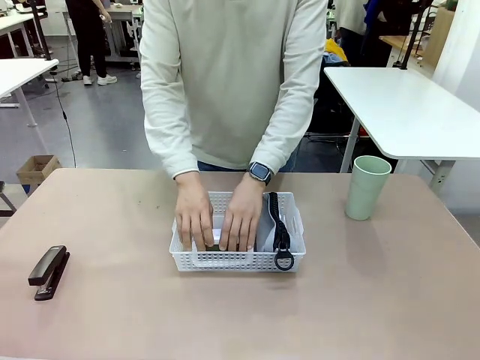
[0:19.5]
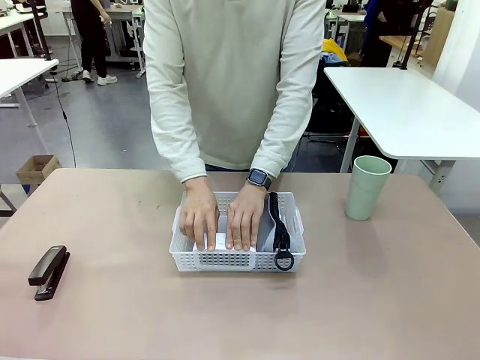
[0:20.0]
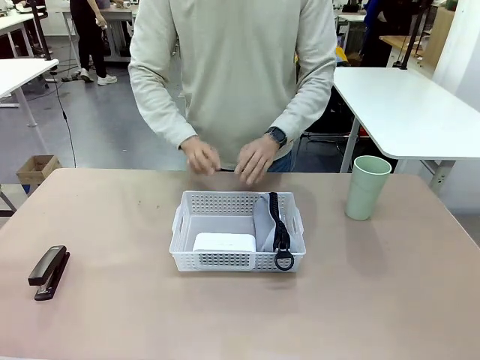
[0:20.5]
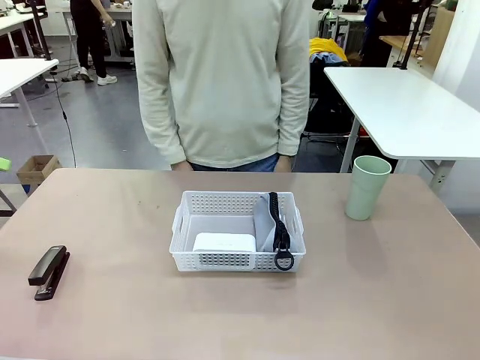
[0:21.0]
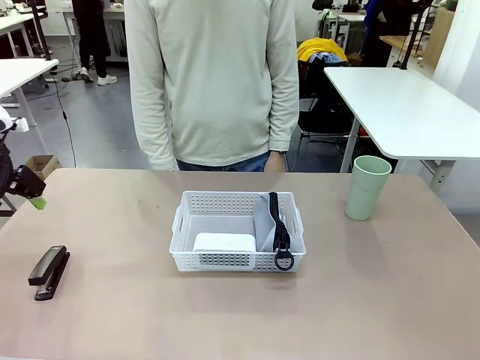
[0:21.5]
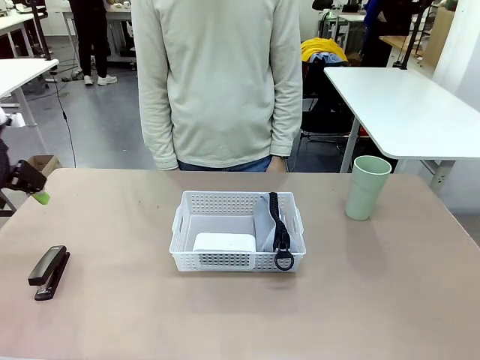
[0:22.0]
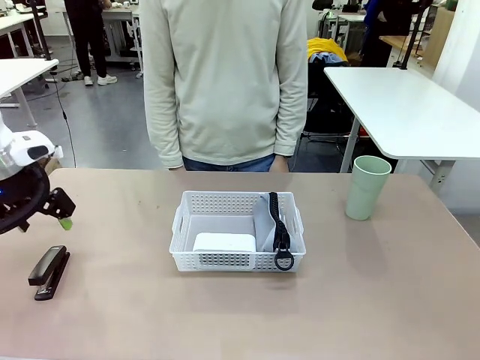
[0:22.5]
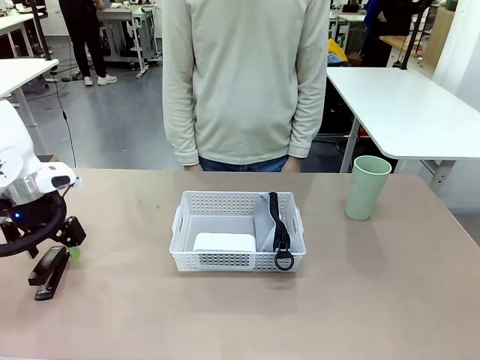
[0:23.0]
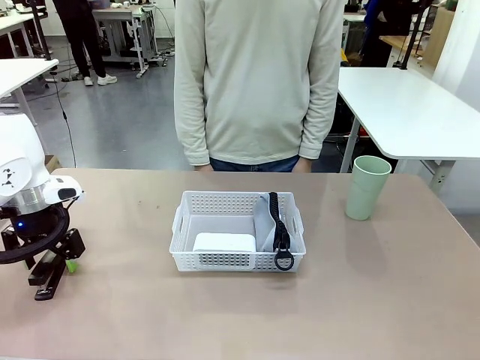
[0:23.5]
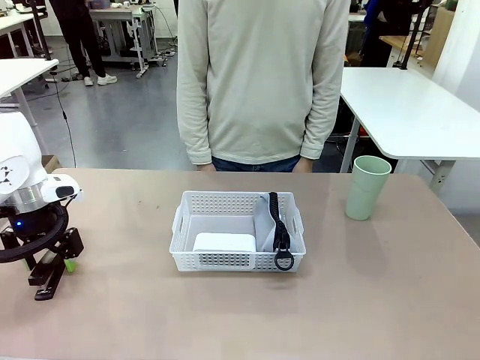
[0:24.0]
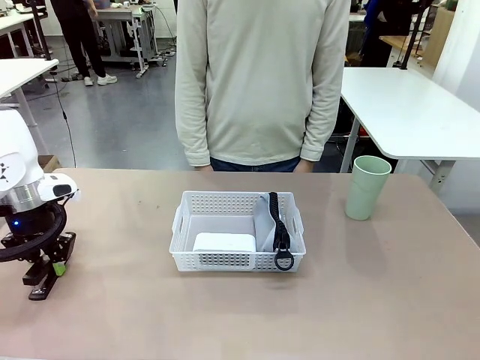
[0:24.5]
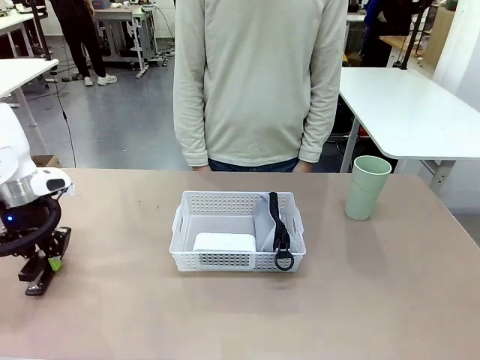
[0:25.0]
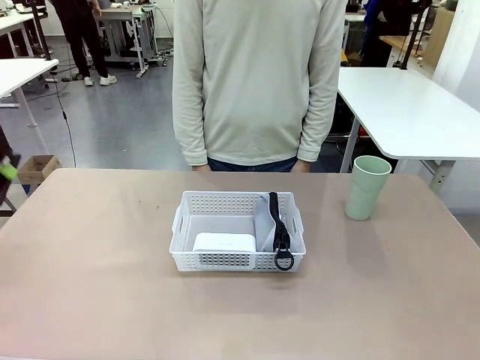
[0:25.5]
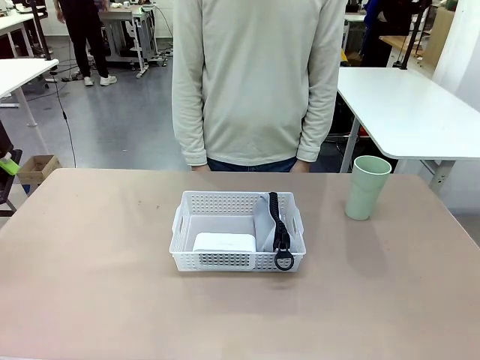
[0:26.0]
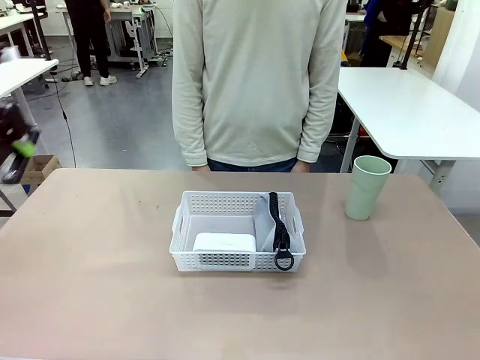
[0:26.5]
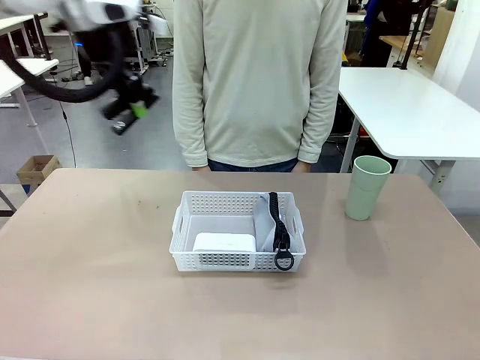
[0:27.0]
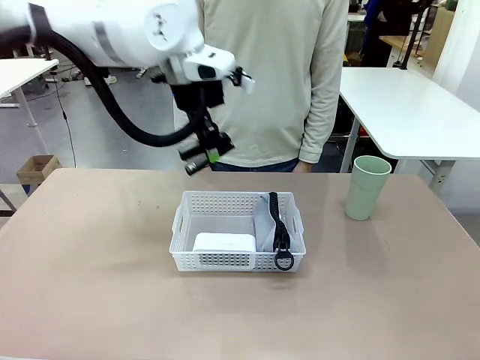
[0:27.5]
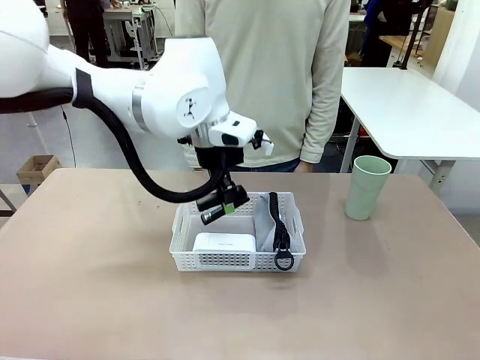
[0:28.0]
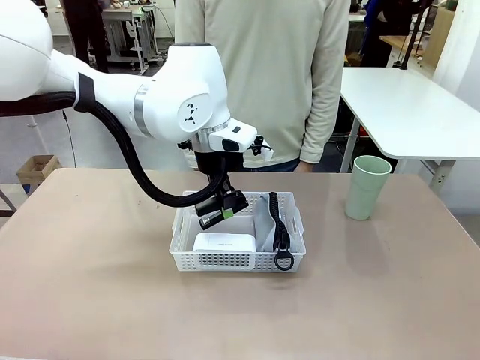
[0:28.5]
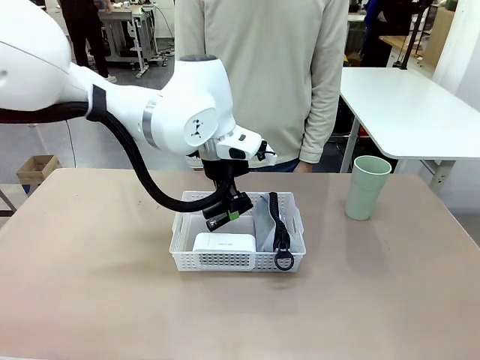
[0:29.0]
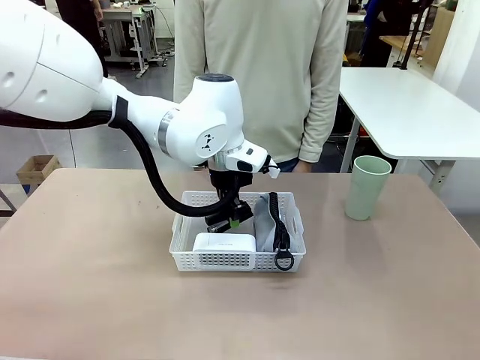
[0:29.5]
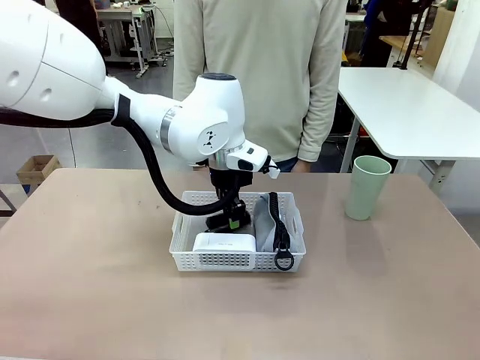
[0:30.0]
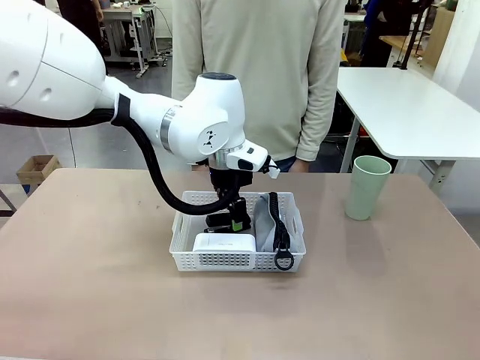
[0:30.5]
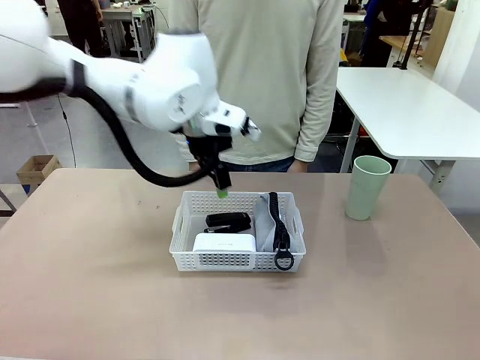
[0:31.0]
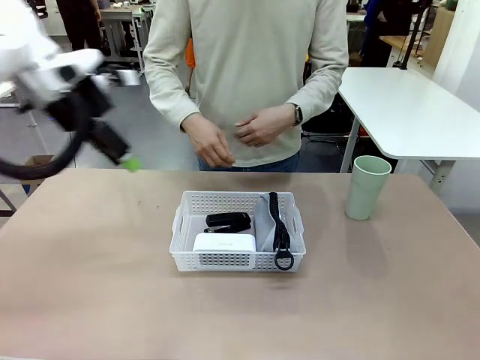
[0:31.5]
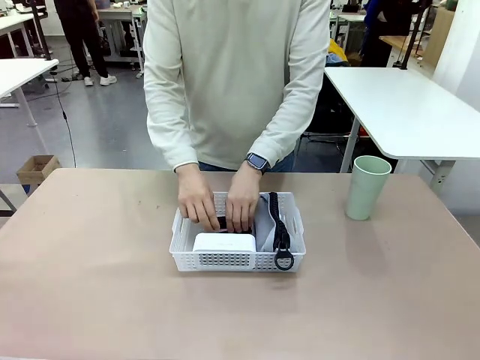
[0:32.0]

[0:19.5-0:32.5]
Task: Efficiently arrange items inside the basket to fit them all.
Robot: Pick up the Stapler and place it inside the Organizing basket.

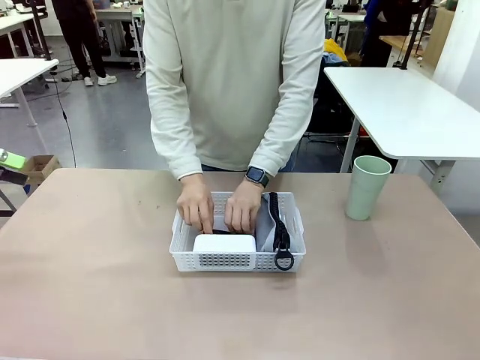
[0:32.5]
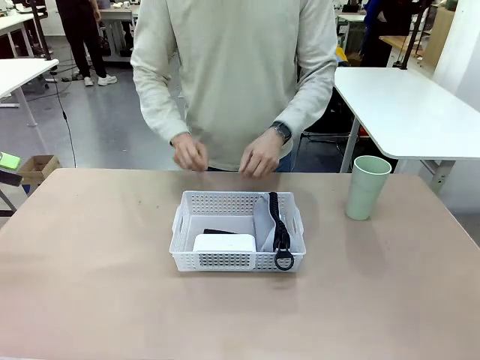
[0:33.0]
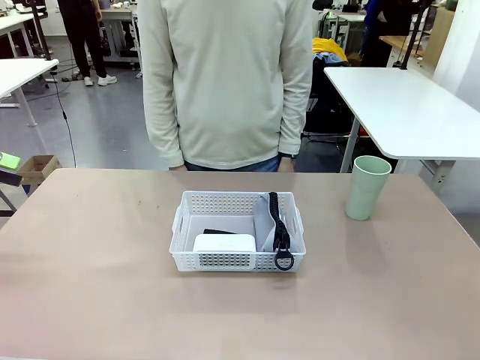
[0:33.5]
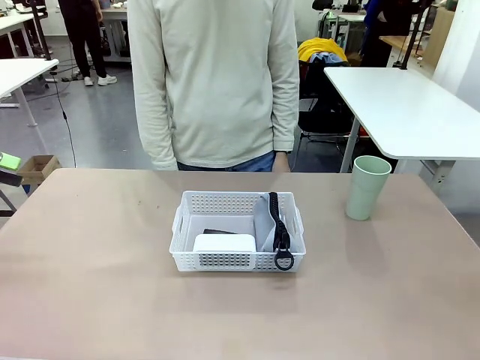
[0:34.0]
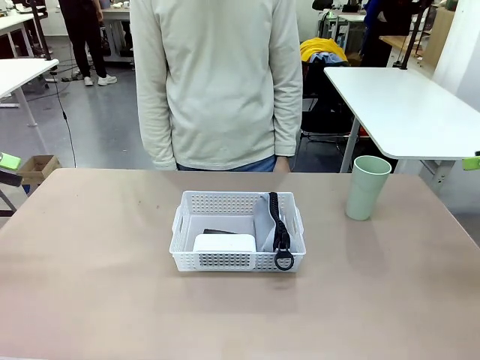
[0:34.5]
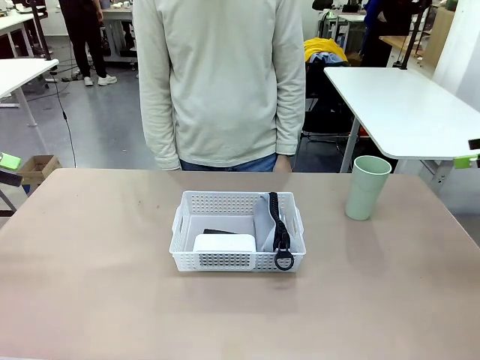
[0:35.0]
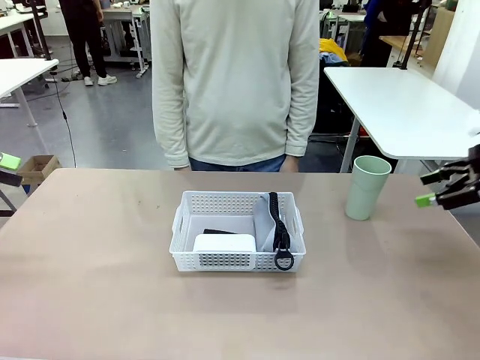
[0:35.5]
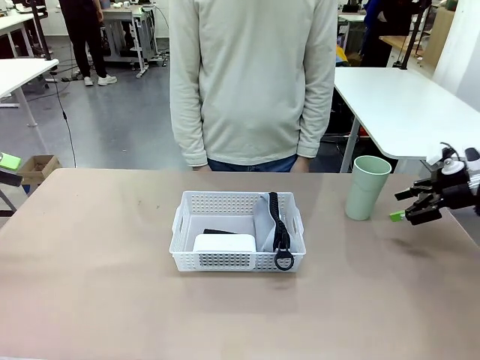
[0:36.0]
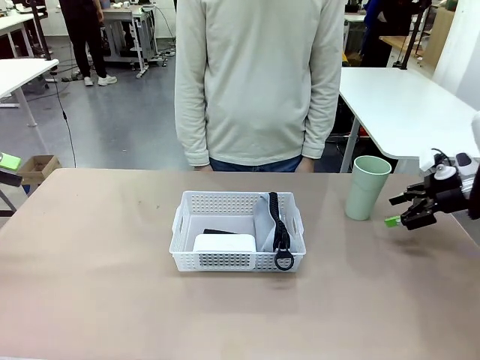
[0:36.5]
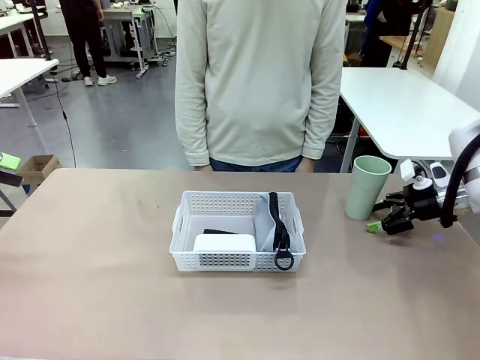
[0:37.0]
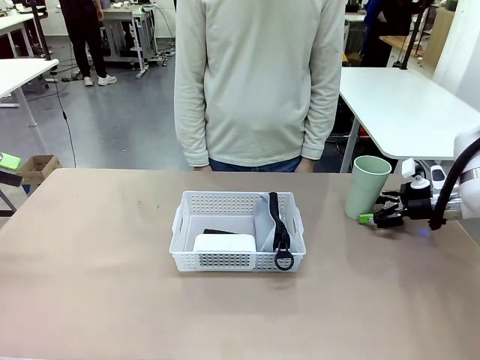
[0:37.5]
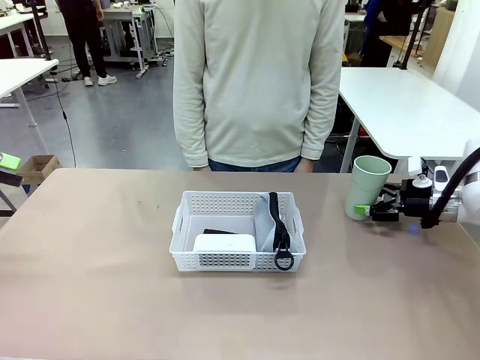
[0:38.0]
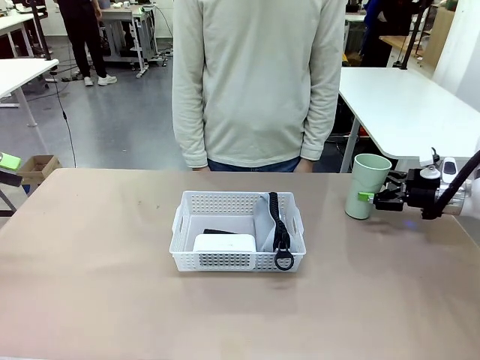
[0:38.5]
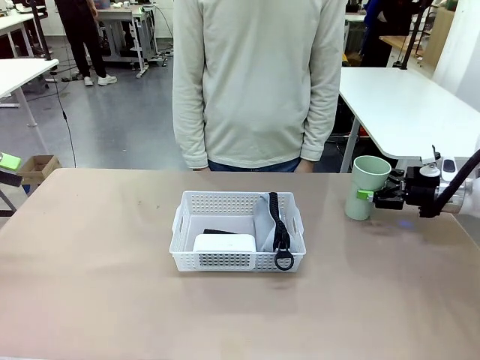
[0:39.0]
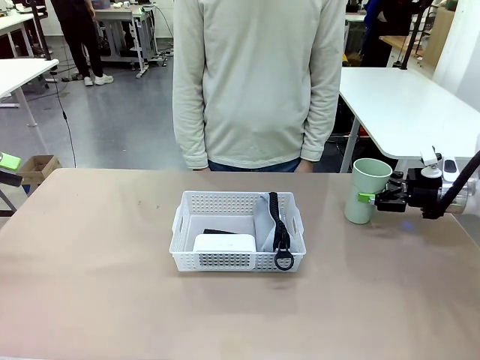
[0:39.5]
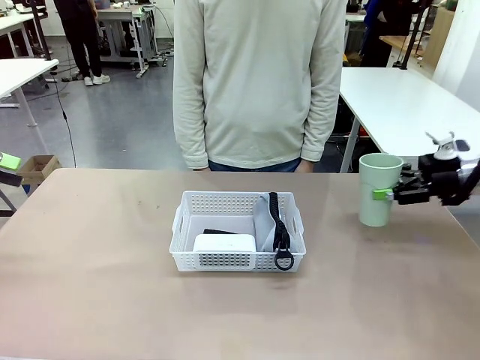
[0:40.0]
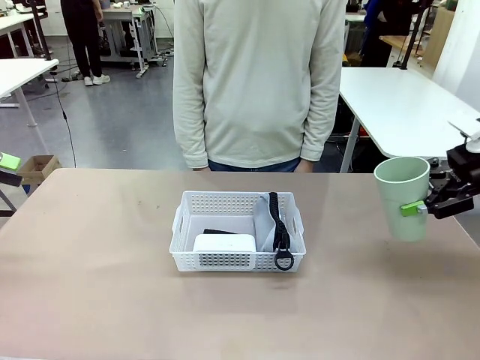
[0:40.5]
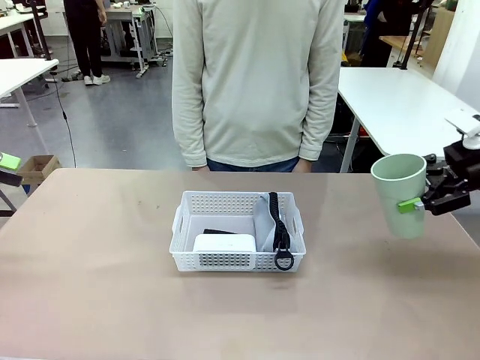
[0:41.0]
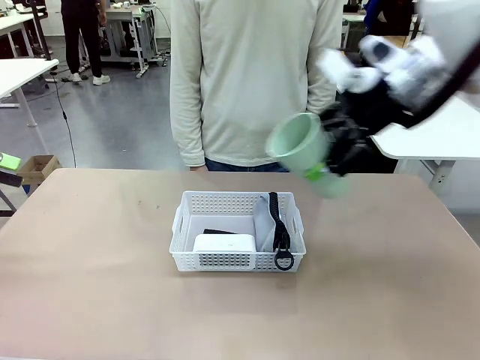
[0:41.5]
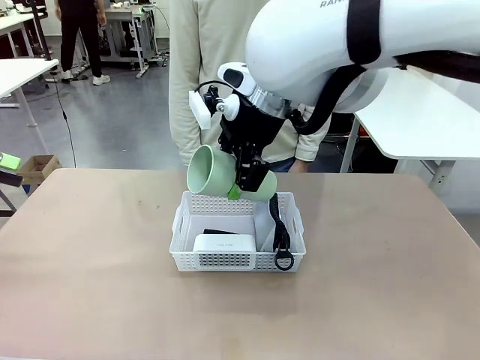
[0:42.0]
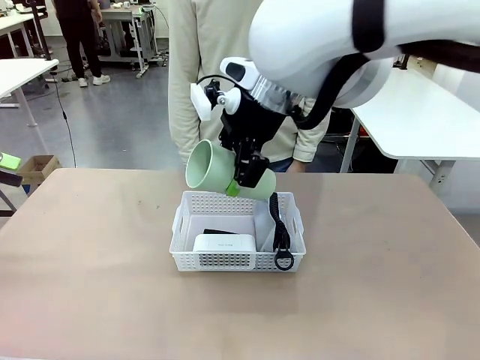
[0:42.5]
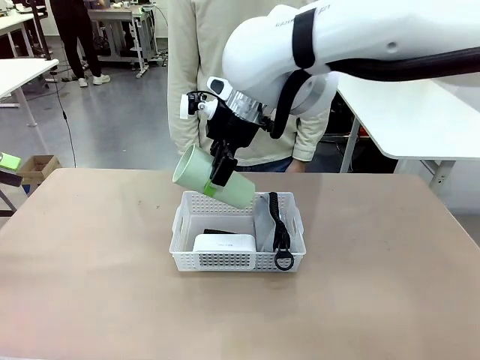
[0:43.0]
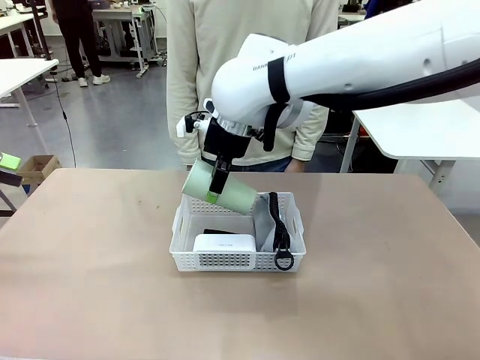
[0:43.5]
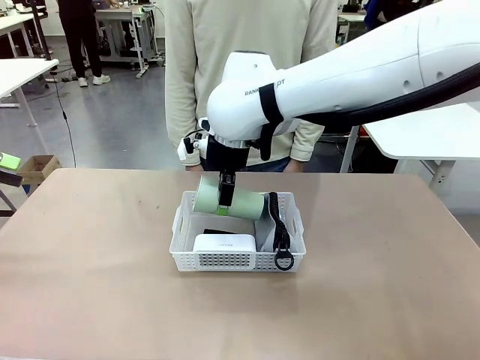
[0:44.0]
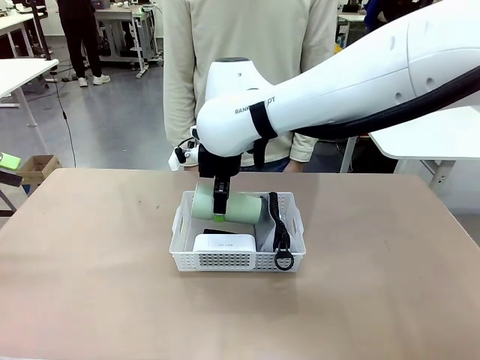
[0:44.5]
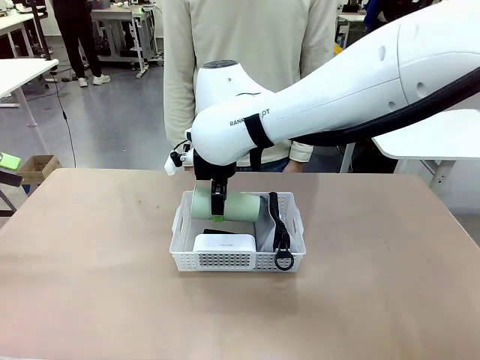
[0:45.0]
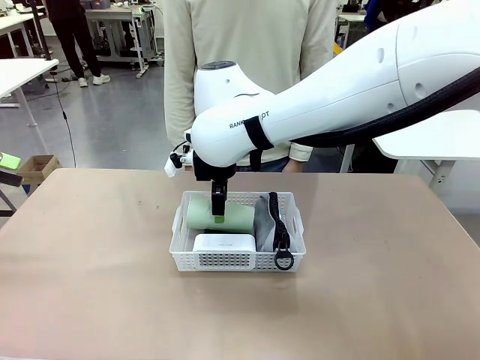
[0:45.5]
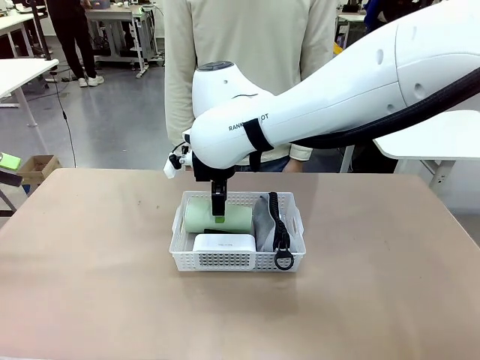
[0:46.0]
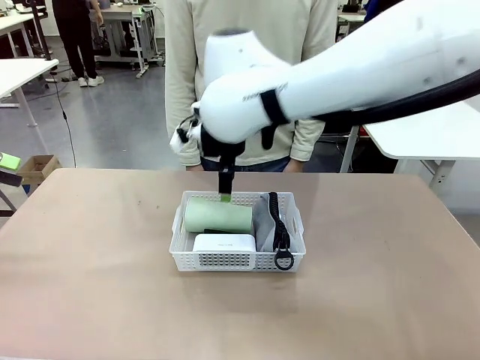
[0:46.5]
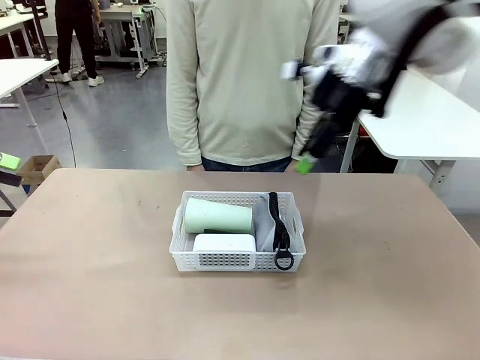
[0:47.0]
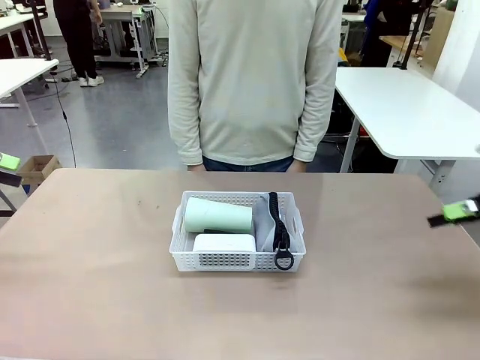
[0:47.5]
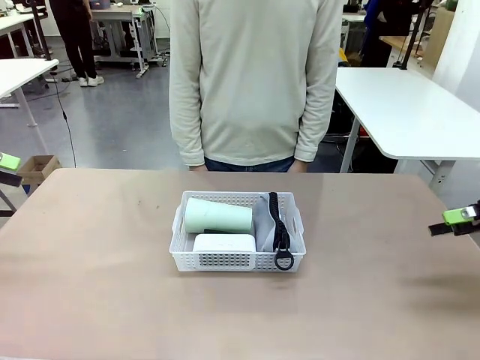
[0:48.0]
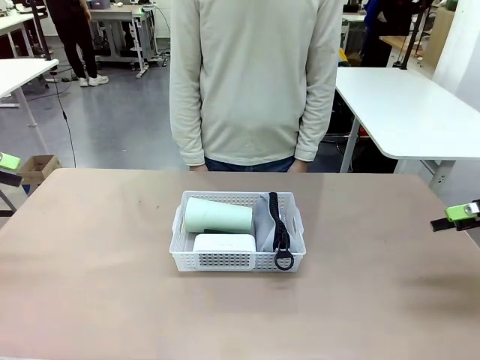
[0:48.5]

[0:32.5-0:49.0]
Robot: Pick up the Reusable plastic cup and place it inside the Organizing basket.
Person: Repositions the stapler.
